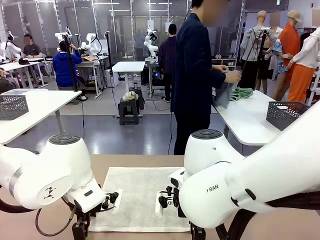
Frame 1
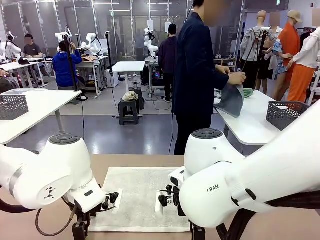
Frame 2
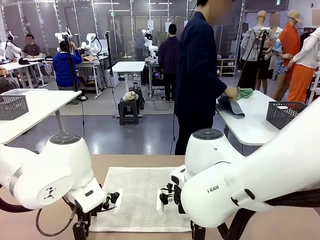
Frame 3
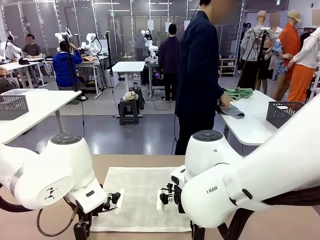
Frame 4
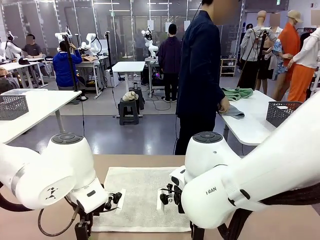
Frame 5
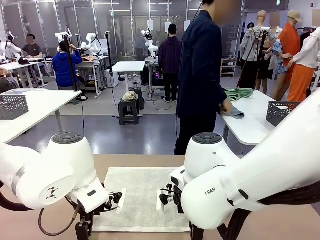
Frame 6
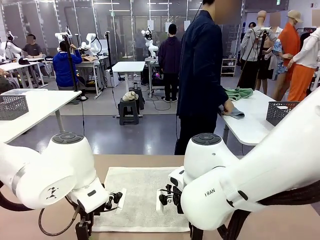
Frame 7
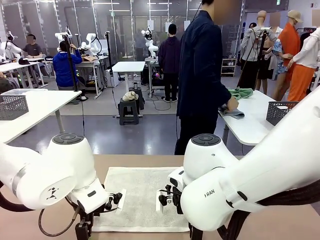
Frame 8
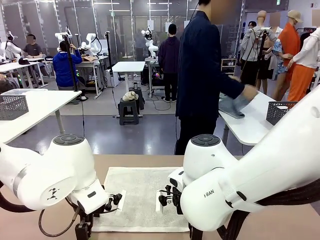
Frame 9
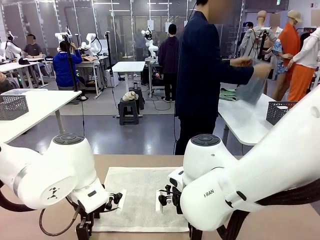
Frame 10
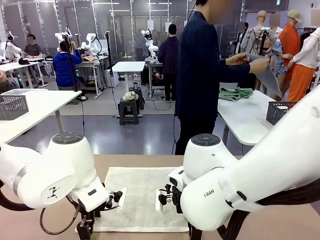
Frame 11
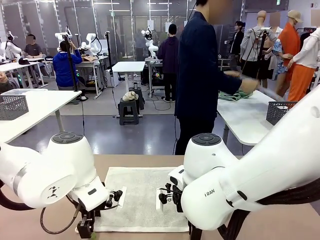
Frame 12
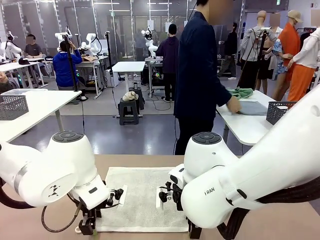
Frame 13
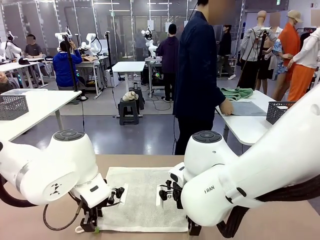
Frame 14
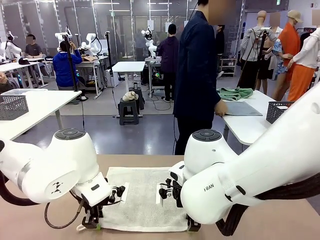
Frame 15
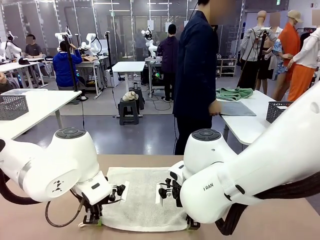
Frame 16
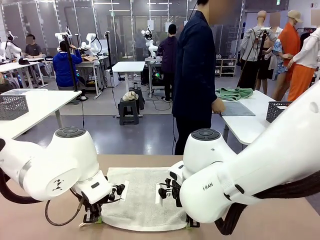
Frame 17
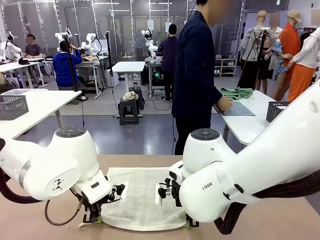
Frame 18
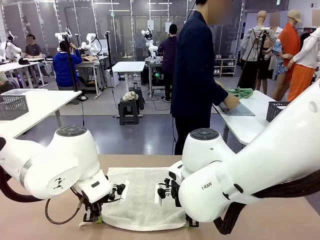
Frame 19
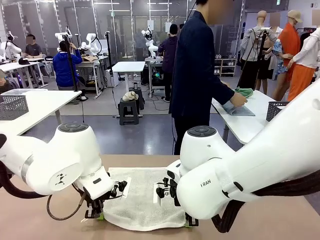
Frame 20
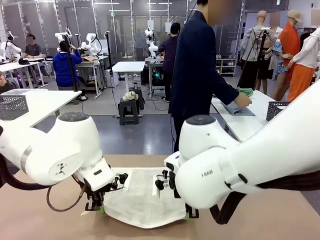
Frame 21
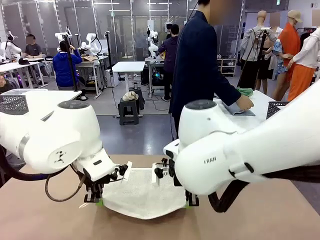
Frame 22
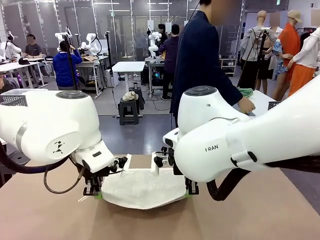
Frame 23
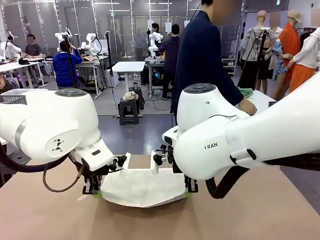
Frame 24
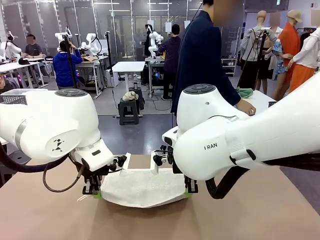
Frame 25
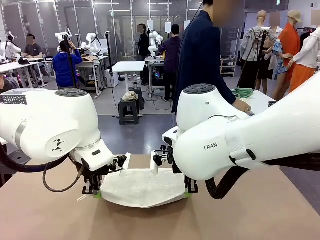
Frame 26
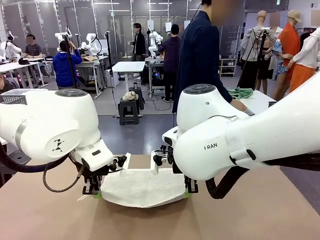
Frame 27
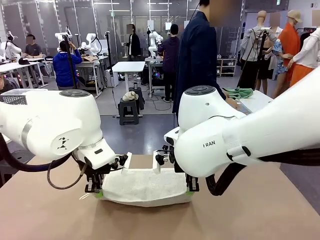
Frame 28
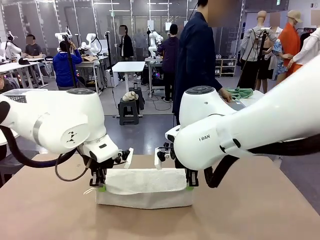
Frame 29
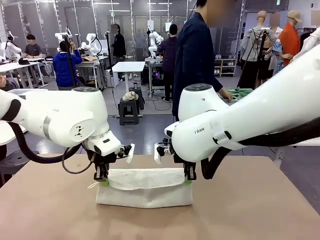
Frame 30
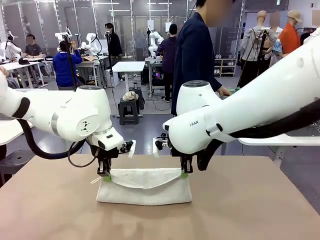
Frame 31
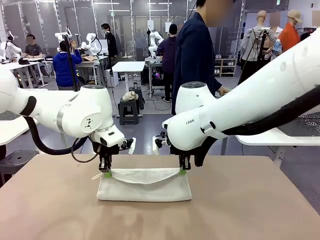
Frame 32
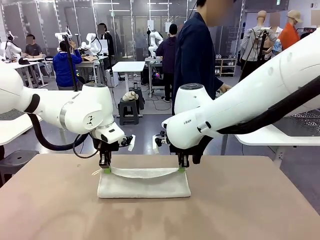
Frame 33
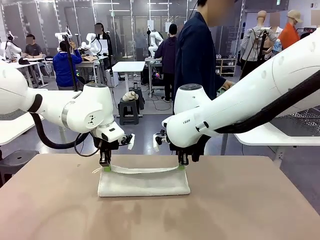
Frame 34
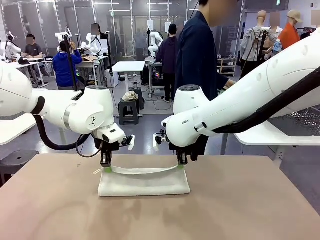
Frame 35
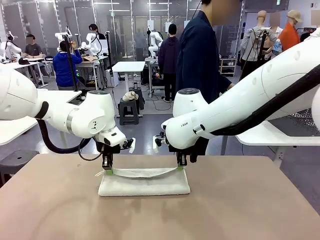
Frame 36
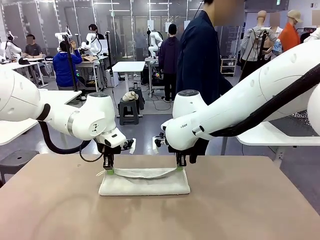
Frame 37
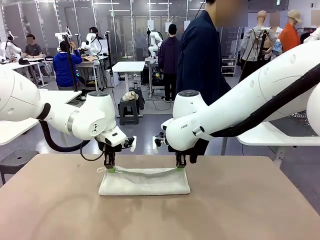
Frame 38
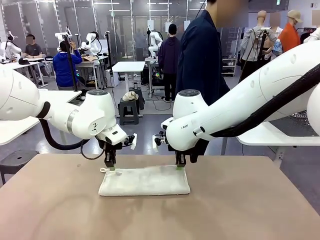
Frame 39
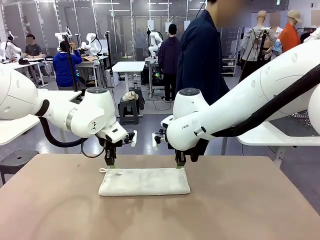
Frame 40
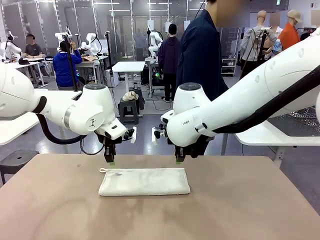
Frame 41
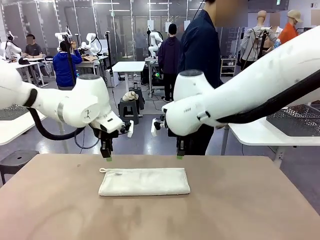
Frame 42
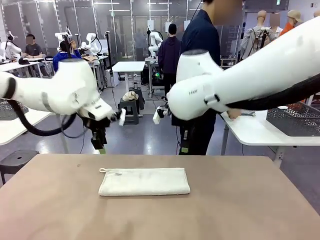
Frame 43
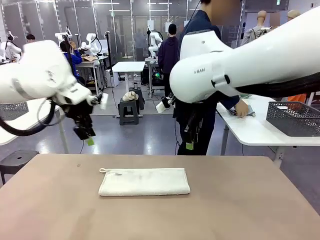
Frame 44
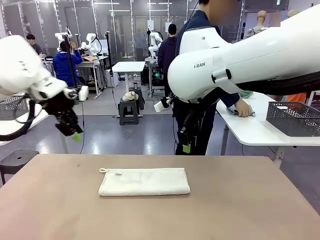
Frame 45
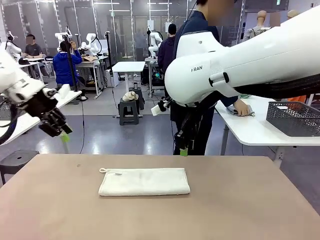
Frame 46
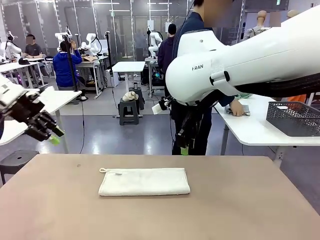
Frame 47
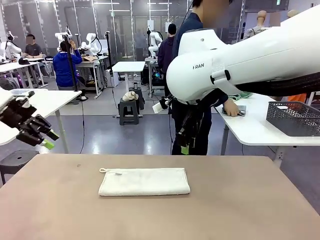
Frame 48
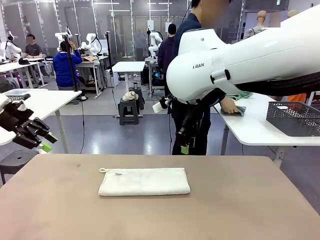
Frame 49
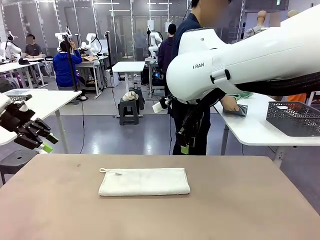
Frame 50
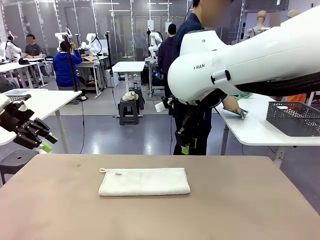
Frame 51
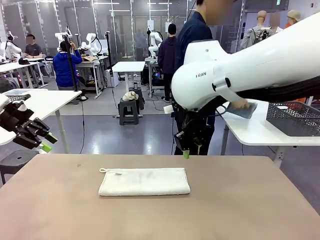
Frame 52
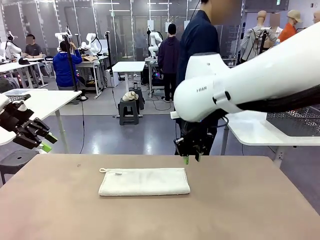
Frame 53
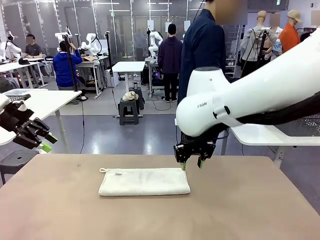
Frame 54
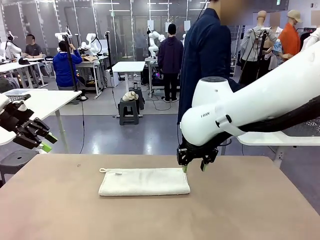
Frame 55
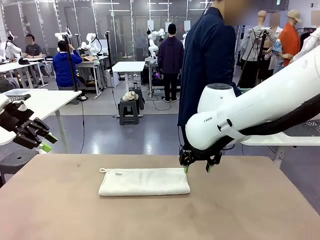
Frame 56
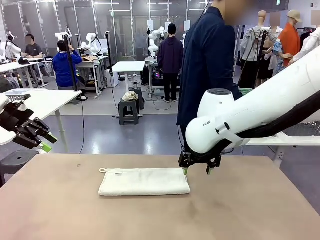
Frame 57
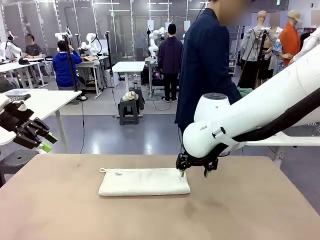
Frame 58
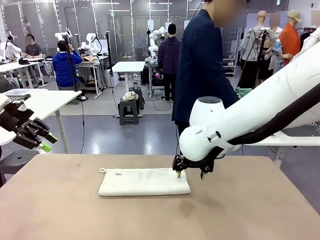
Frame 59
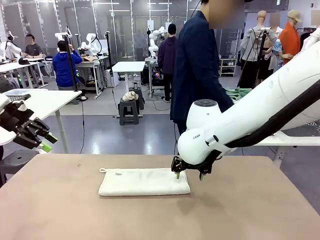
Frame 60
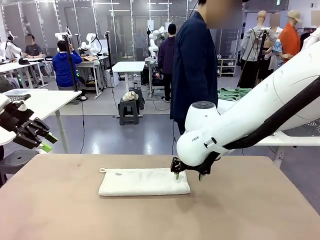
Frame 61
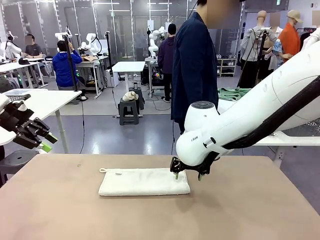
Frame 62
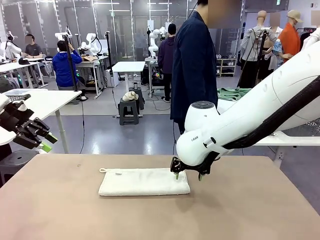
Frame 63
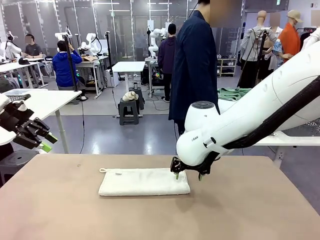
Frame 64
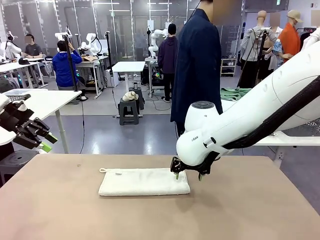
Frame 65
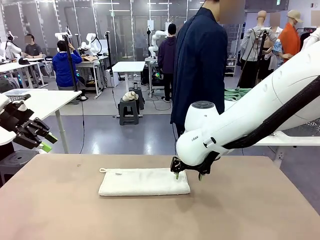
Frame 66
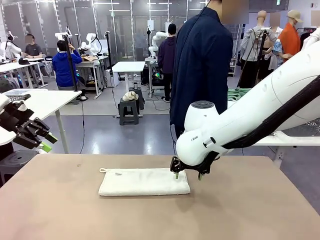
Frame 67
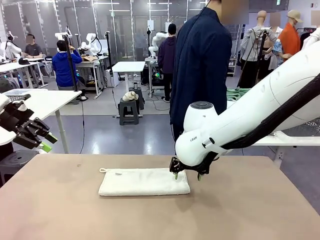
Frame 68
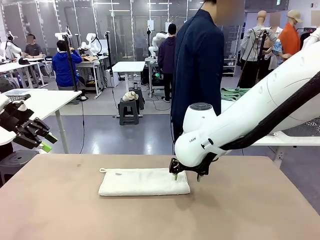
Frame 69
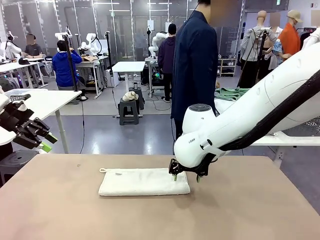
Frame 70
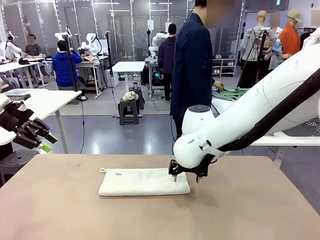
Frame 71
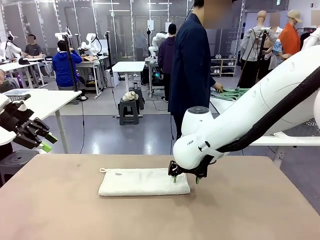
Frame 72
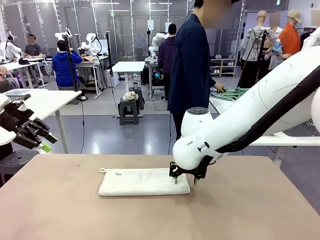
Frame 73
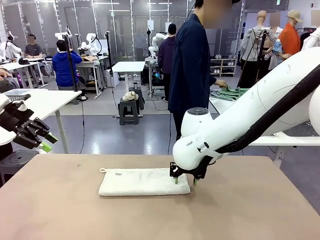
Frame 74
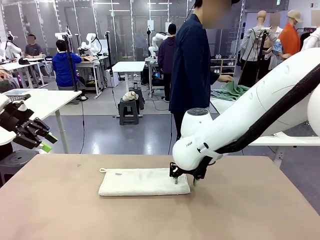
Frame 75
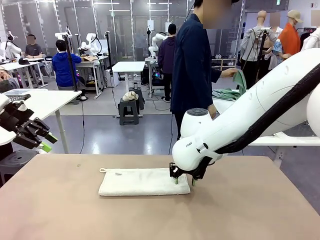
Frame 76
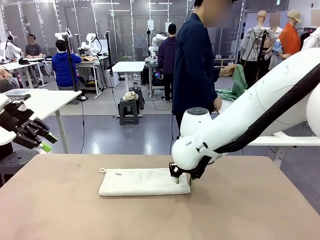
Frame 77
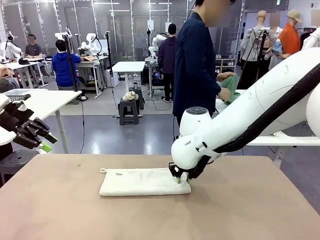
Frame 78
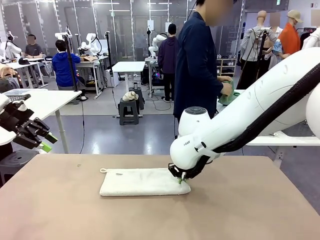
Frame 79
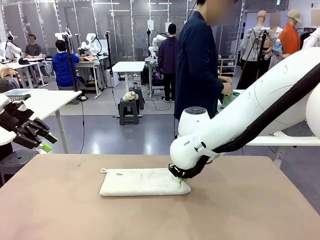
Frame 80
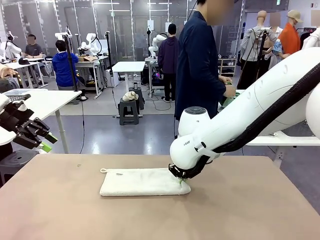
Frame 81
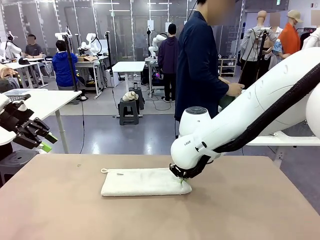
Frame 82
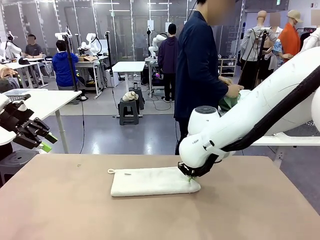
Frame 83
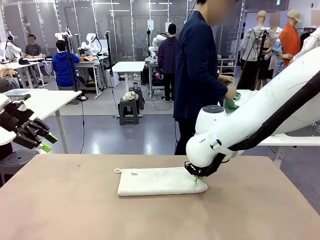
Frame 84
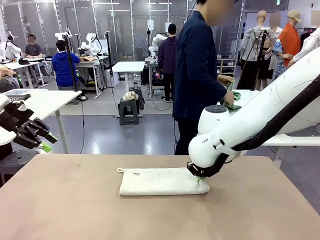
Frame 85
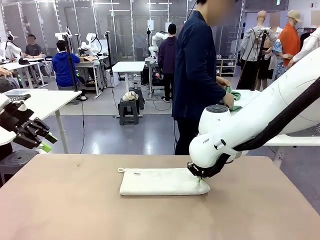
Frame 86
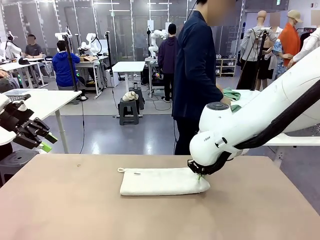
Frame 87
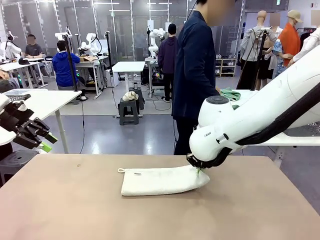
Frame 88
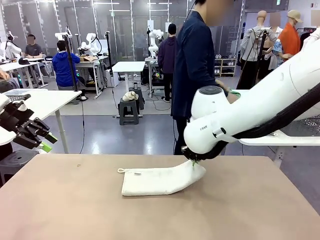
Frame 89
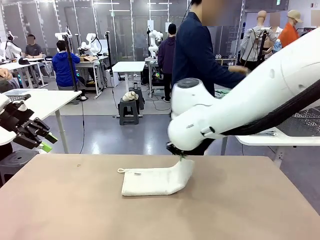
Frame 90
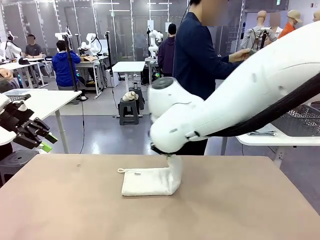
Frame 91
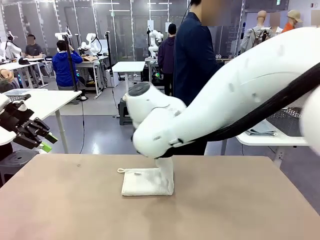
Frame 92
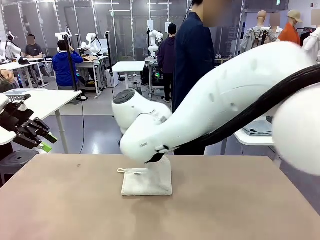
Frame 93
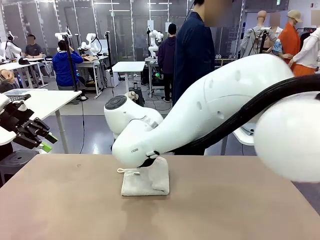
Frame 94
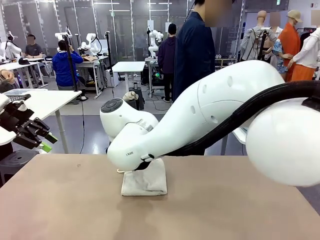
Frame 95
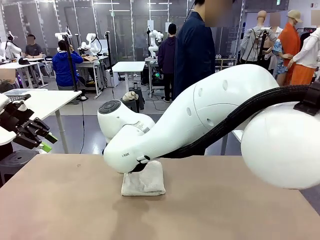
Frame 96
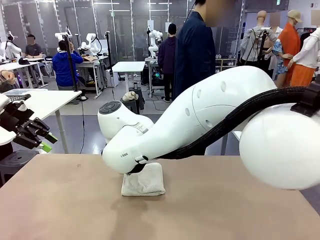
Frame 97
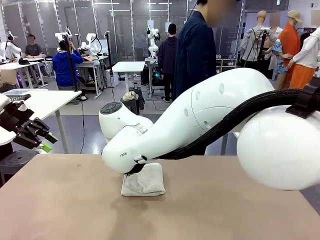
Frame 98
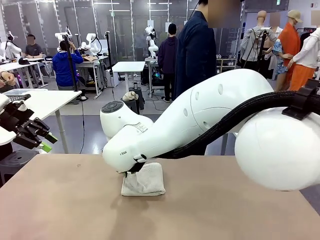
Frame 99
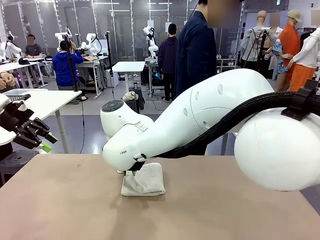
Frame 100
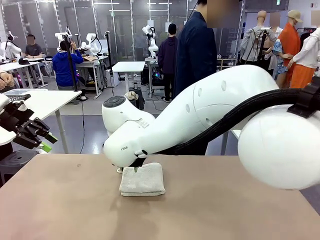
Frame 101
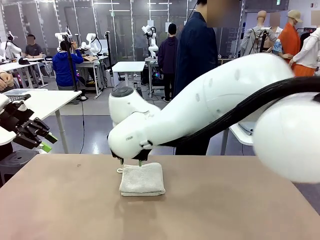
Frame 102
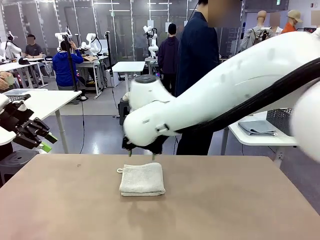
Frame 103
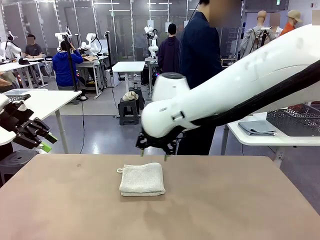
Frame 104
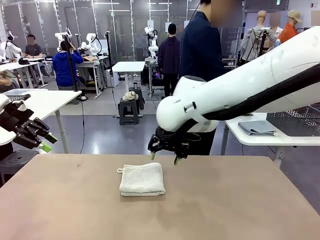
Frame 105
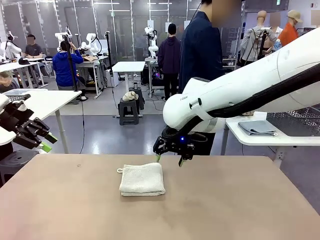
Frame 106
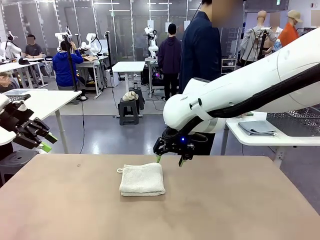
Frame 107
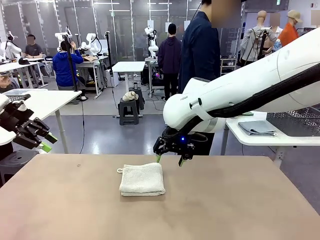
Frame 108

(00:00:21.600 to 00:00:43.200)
Task: Fold the towels and place them in the basket.
Robot: When a person lays out a Towel with hook on the table, fold it in half twice.
Person: Pick up one towel from the left side of the human table, fold it in half twice, and place it on the right side of the table. Pick up one towel from the left side of the human table, fold it in half twice, and stack it on the right side of the table.
